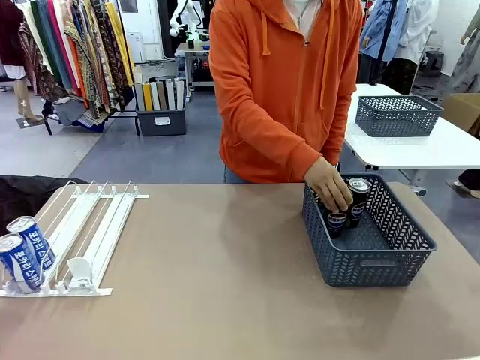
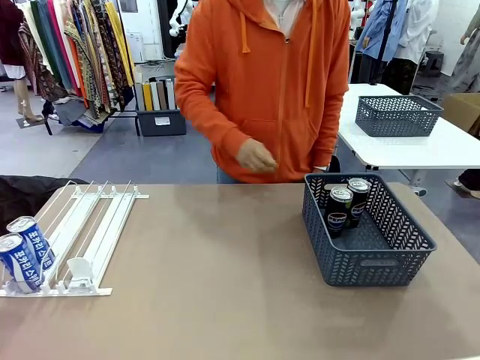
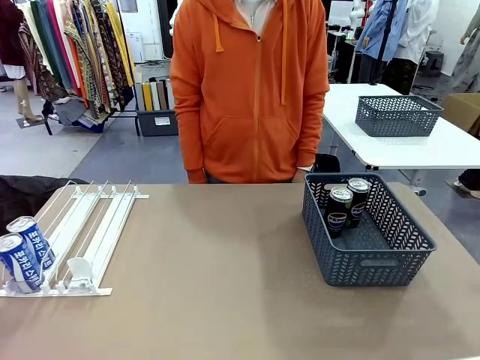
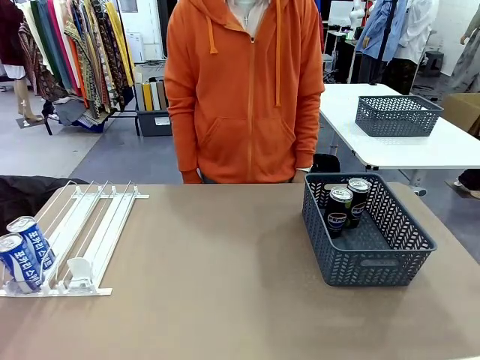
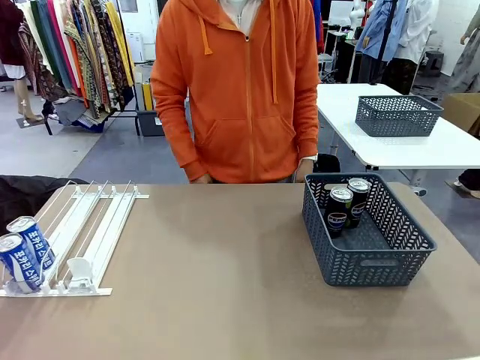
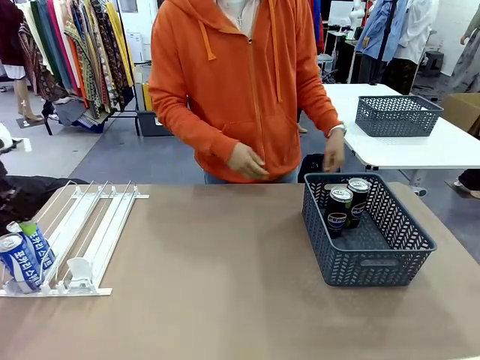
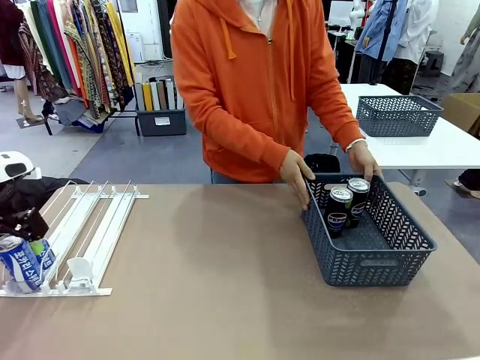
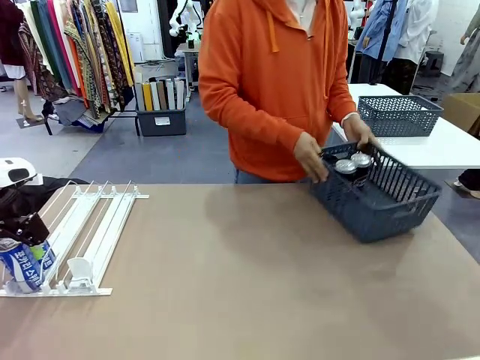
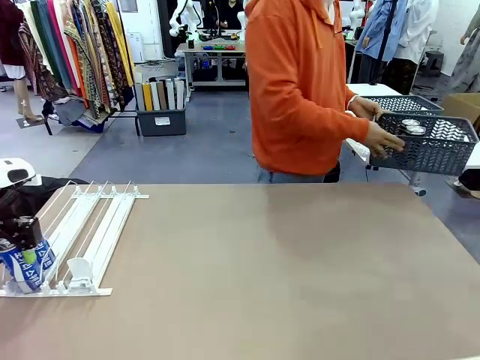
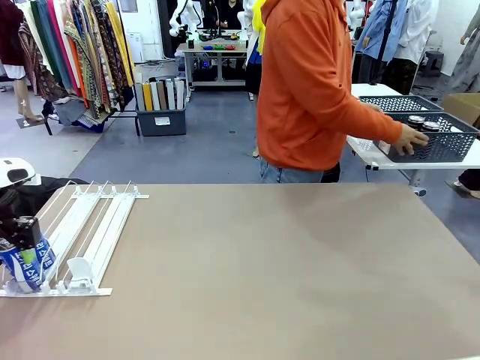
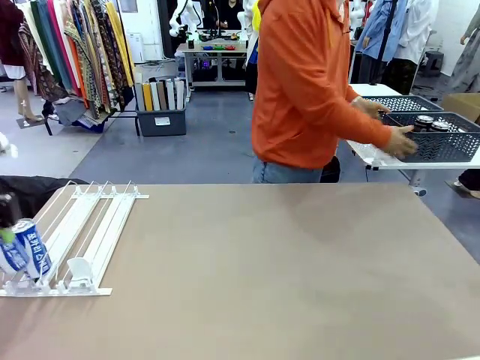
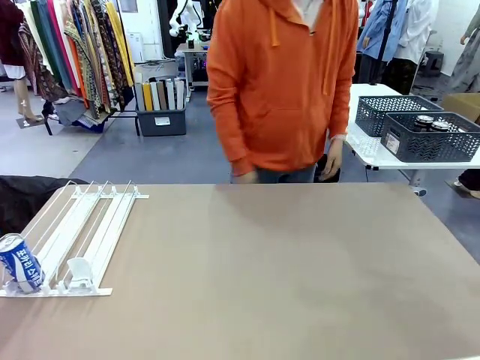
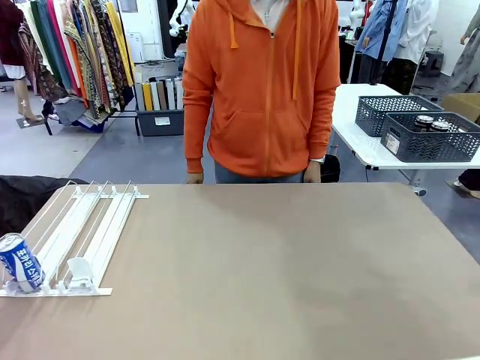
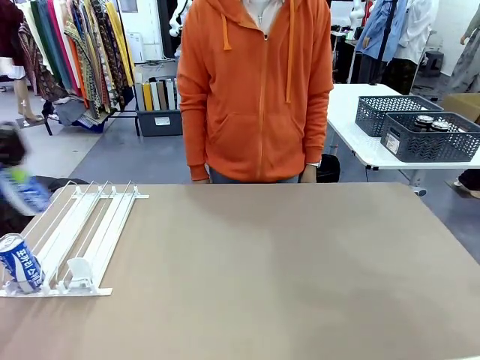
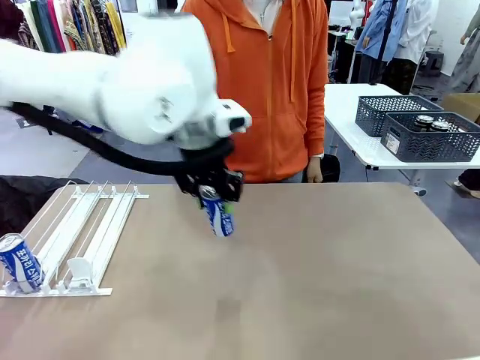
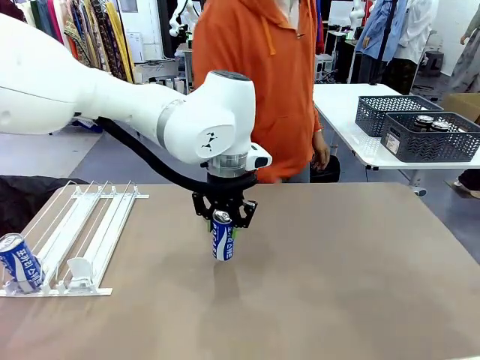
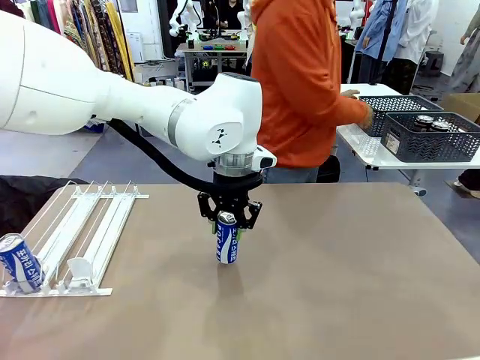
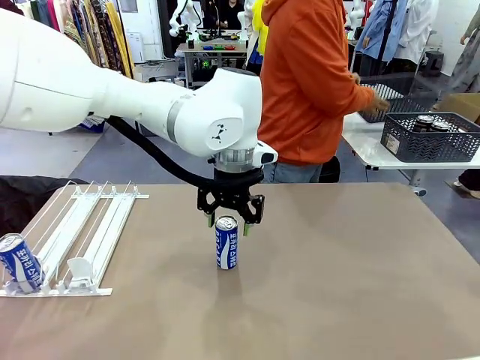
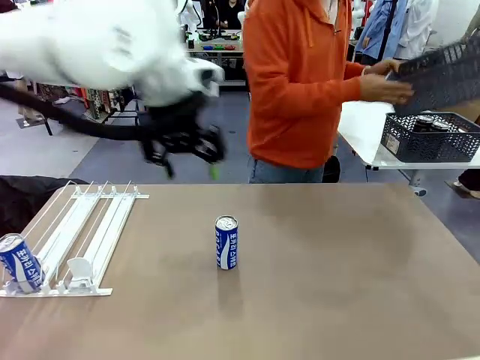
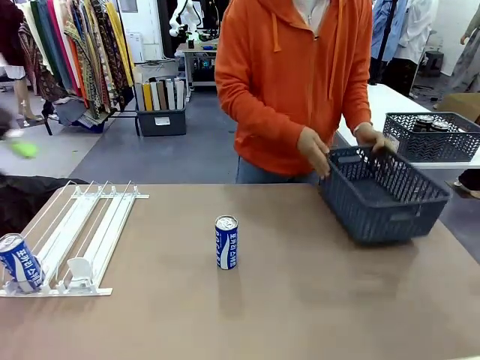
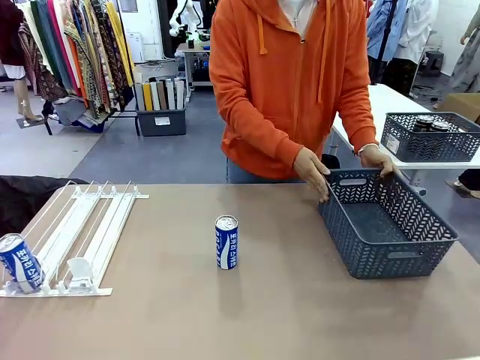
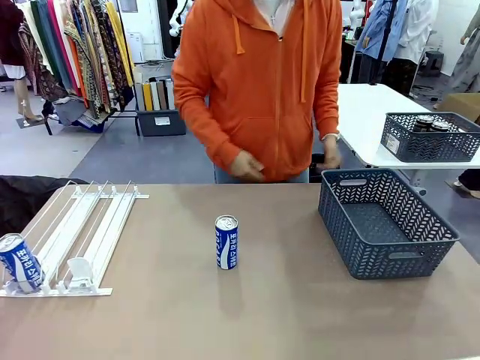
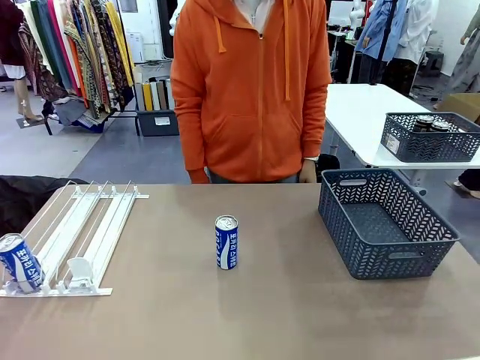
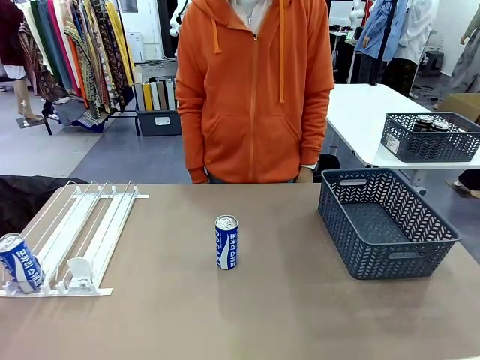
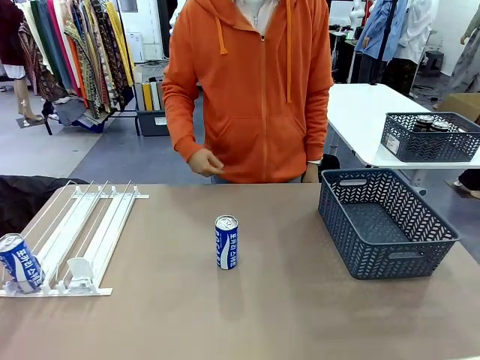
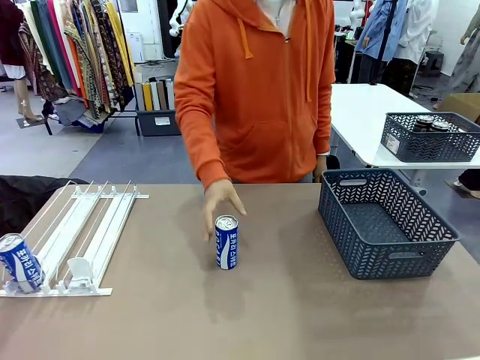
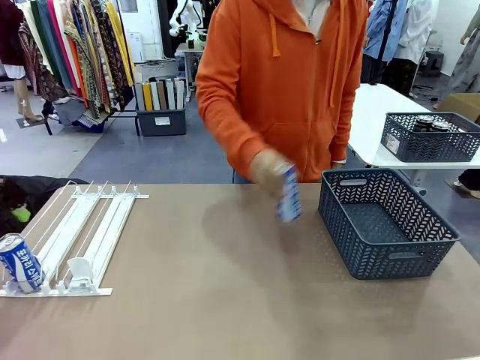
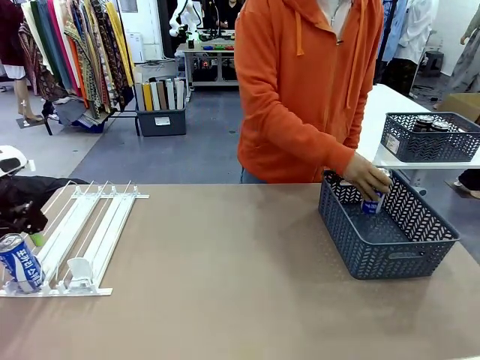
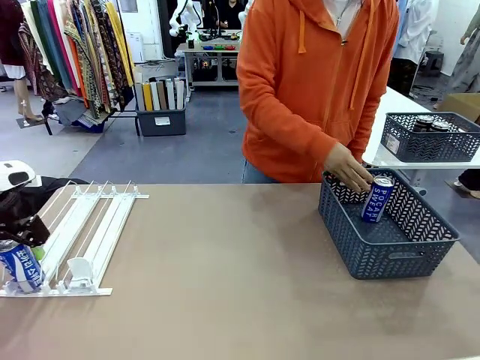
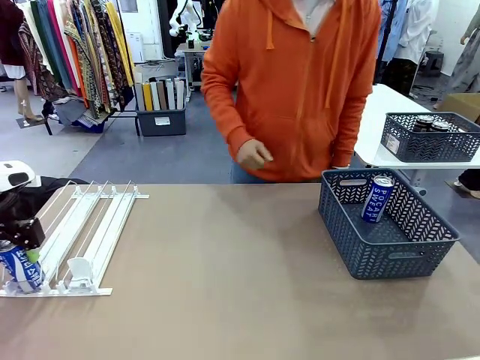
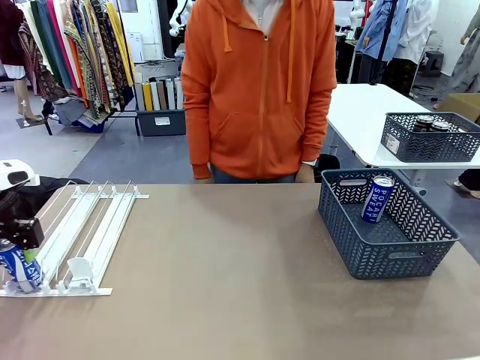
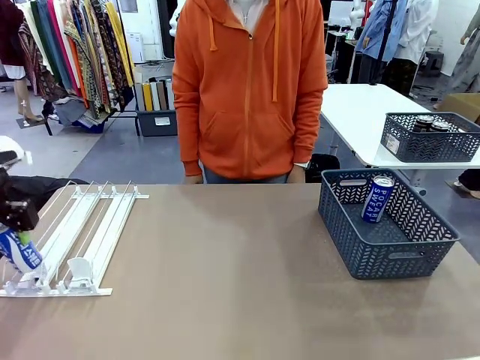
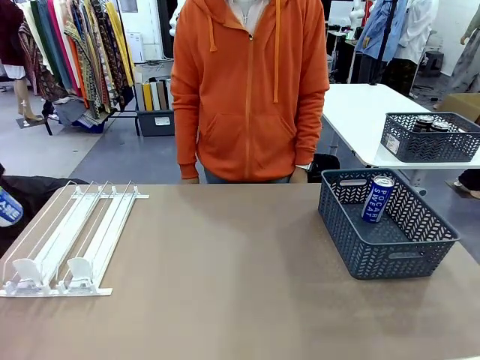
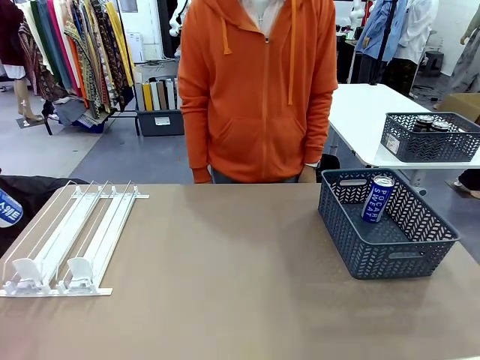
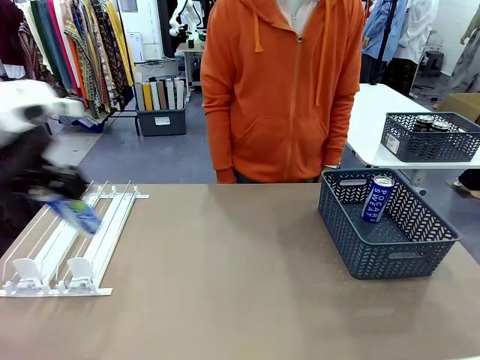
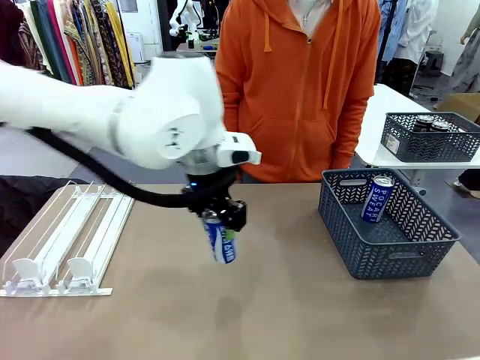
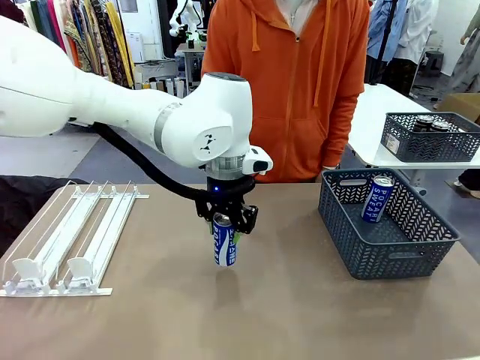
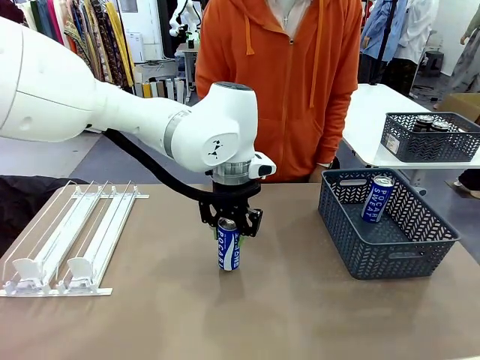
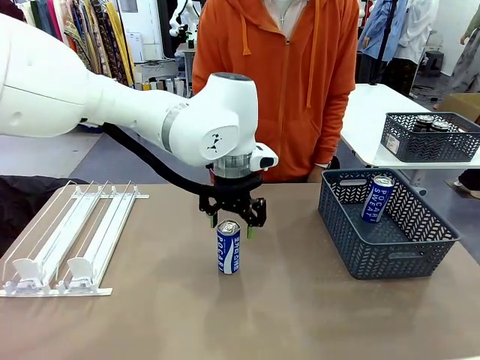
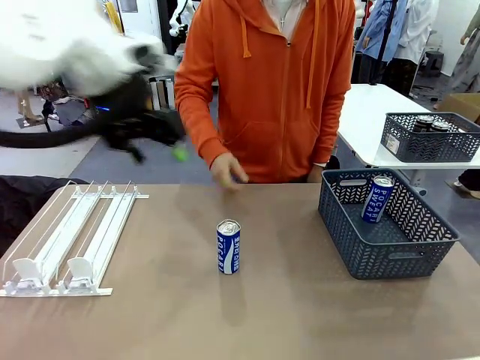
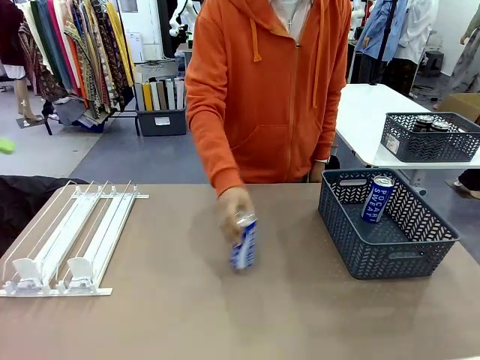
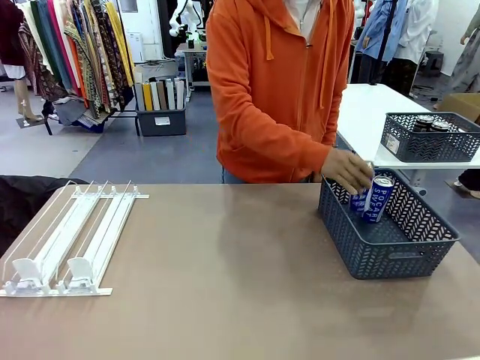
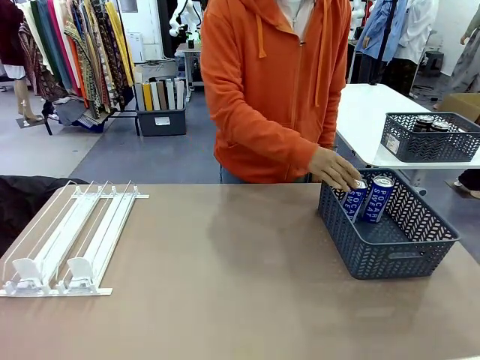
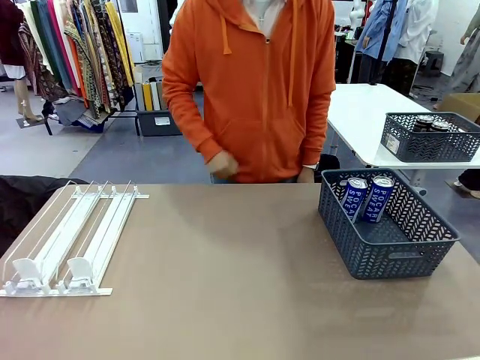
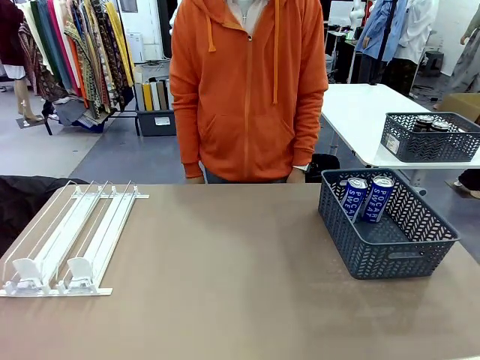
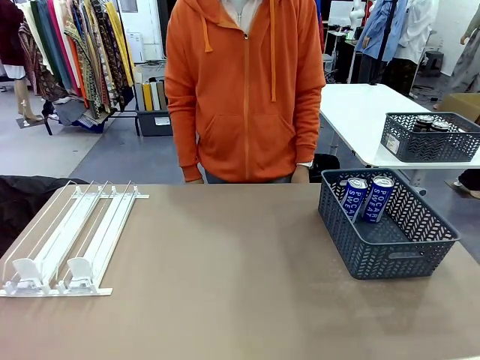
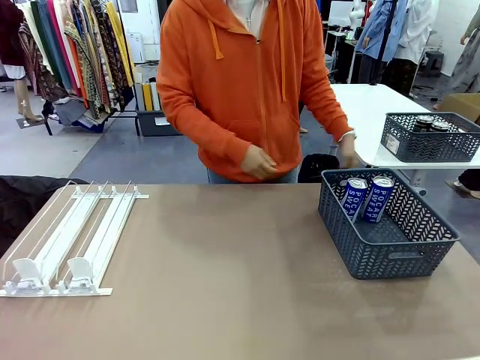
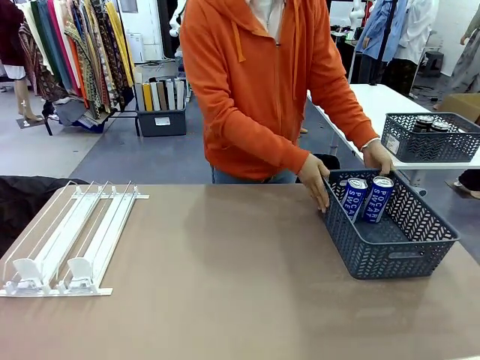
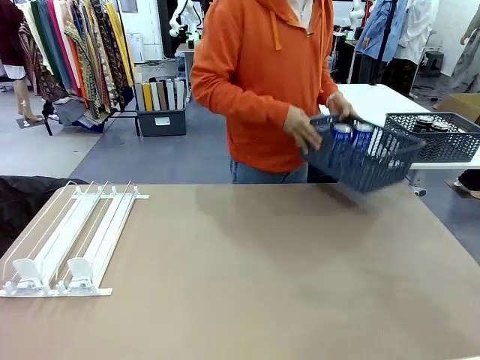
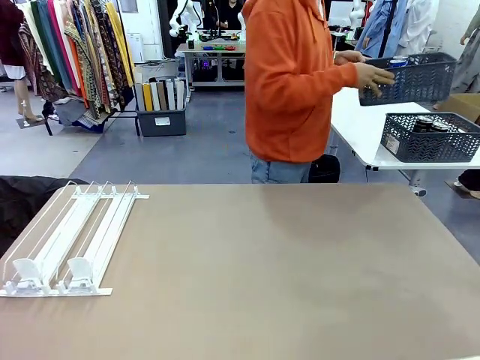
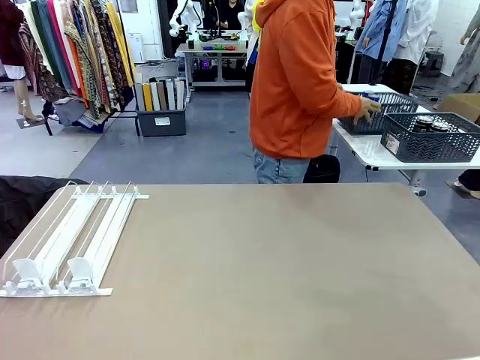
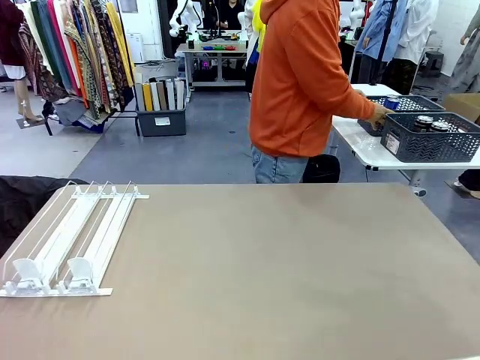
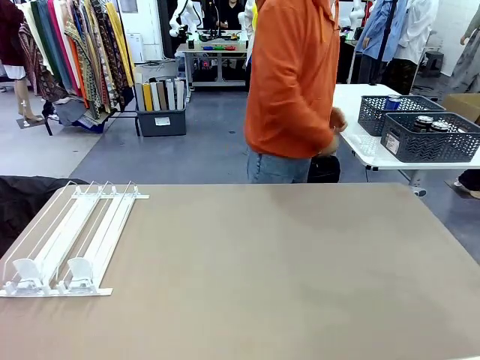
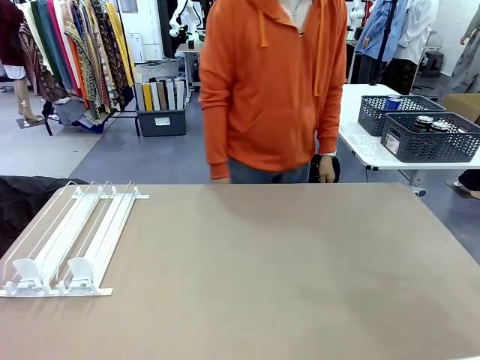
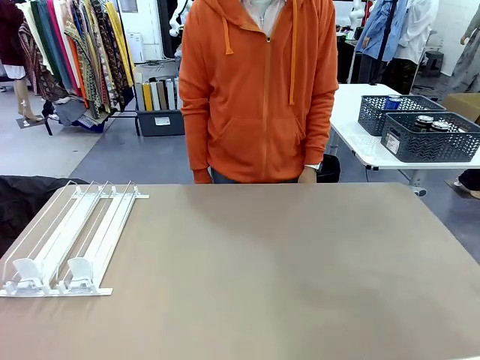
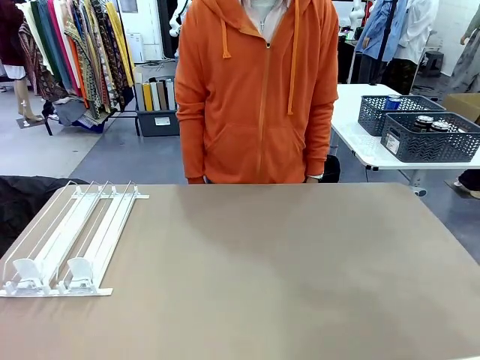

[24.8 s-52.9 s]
Task: Retrieve and store the cans from the dispenser.
Robot: Pick up one can from the Automatic Can Dispenser and place it in the middle of the table.
Person: Pick up the basket and place it in the middle of the human table. Pick up the empty basket and place it on the left side of the robot table. Pick up one sports drink can from the middle of the robot table and place it in the basket. Pick up the basket and place it in the middle of the human table.
